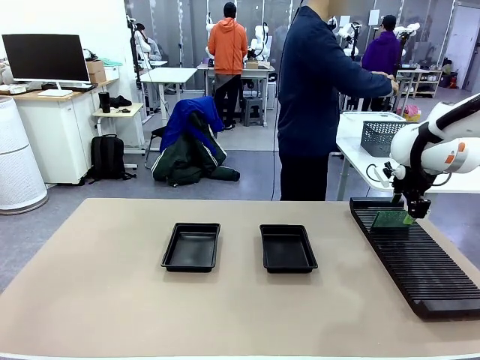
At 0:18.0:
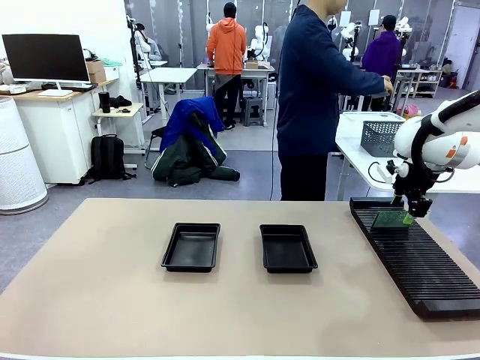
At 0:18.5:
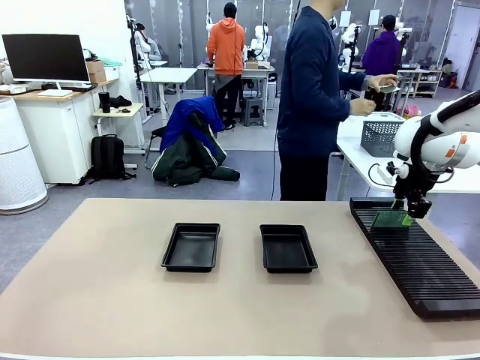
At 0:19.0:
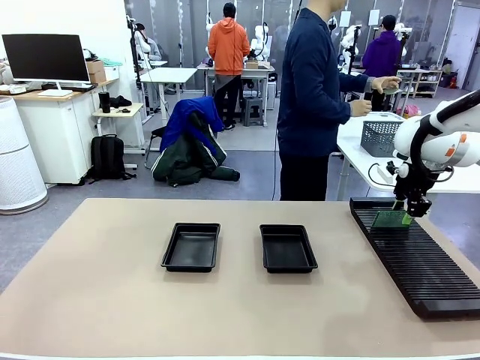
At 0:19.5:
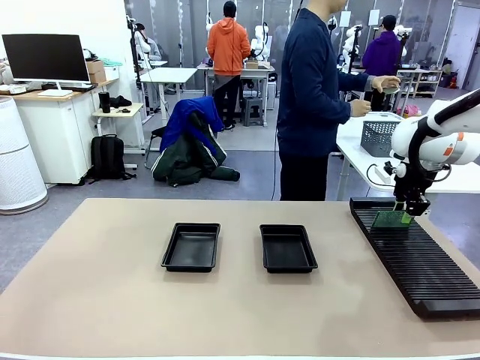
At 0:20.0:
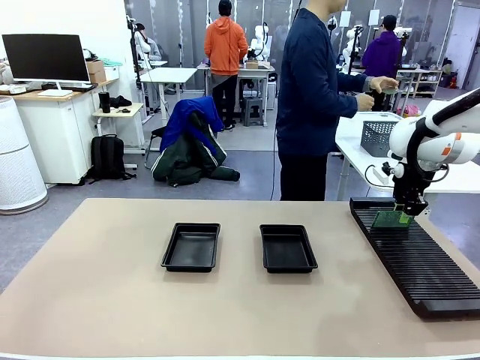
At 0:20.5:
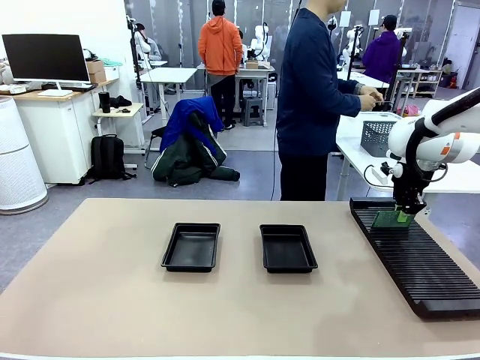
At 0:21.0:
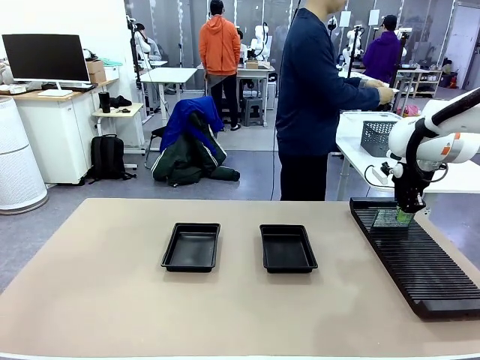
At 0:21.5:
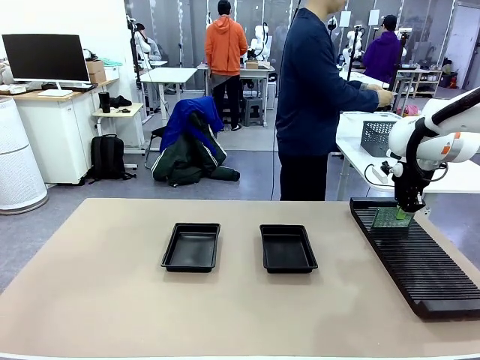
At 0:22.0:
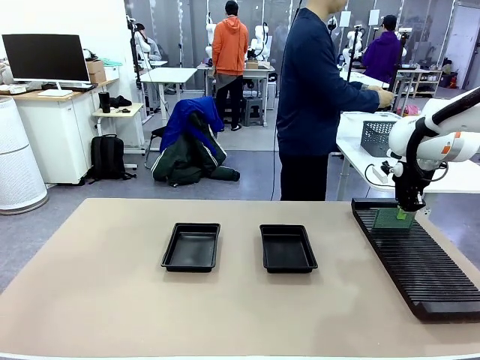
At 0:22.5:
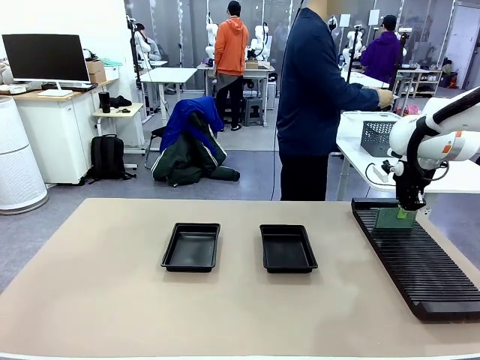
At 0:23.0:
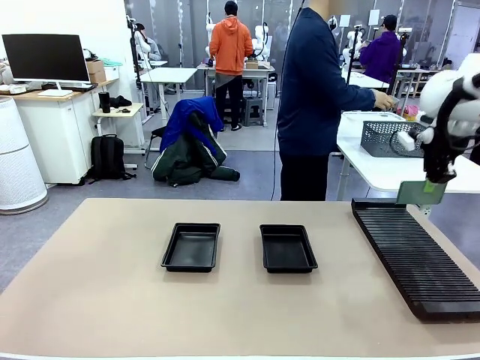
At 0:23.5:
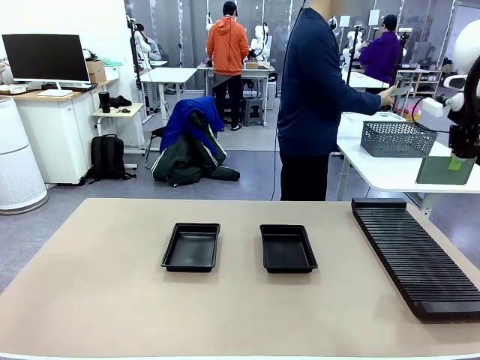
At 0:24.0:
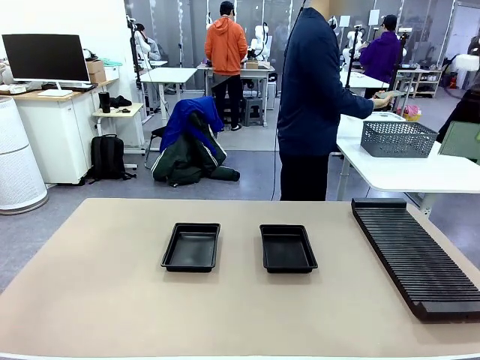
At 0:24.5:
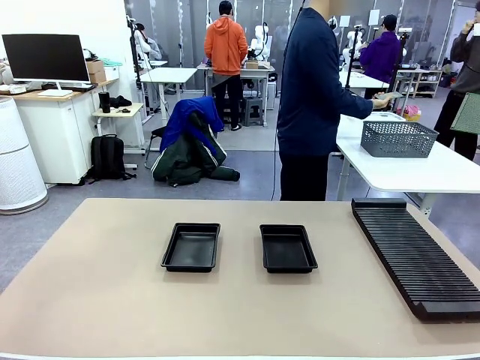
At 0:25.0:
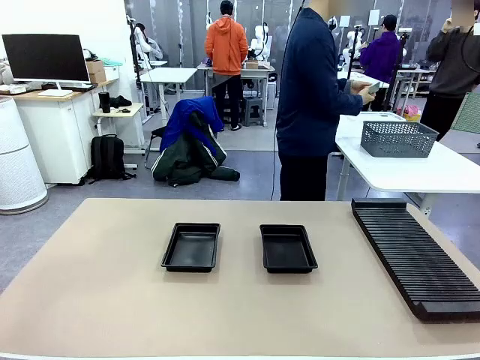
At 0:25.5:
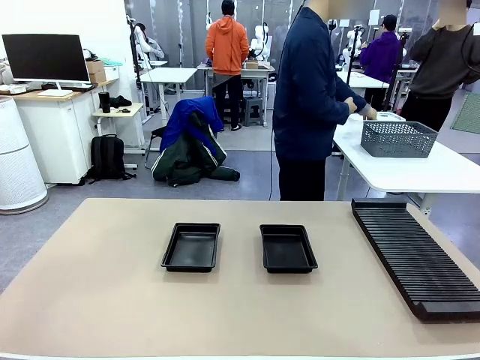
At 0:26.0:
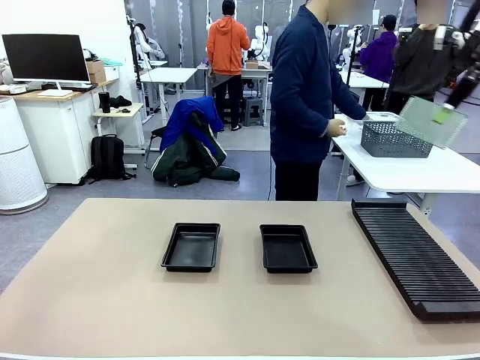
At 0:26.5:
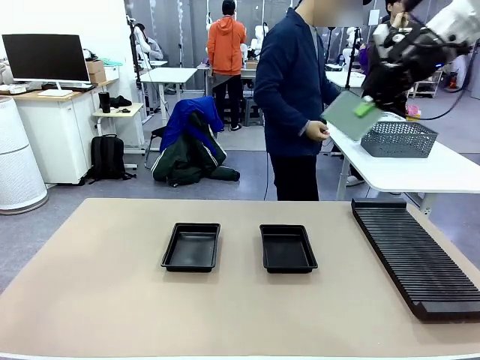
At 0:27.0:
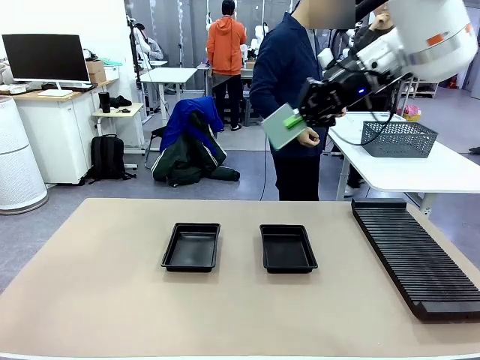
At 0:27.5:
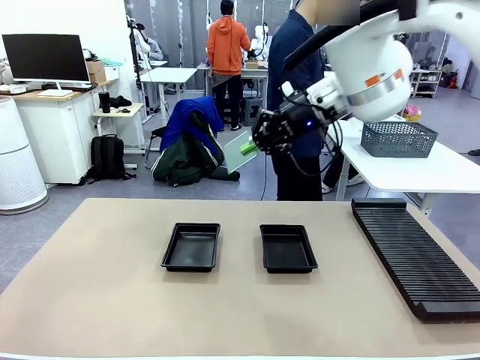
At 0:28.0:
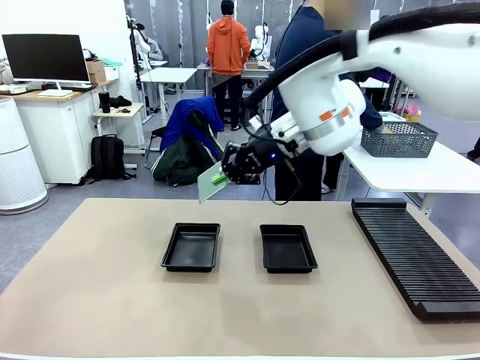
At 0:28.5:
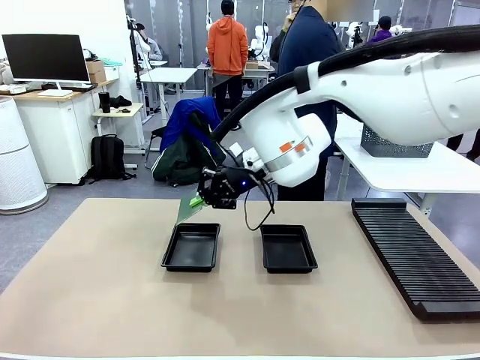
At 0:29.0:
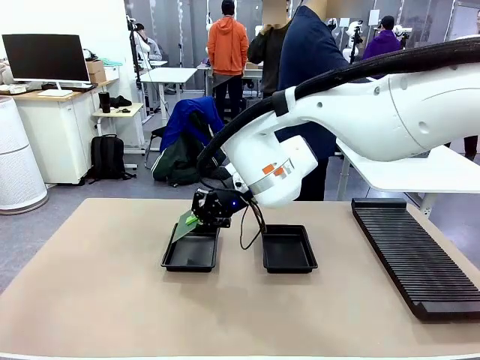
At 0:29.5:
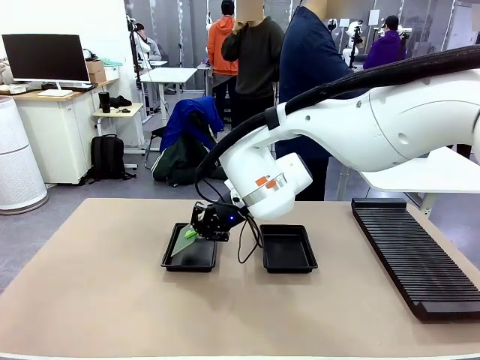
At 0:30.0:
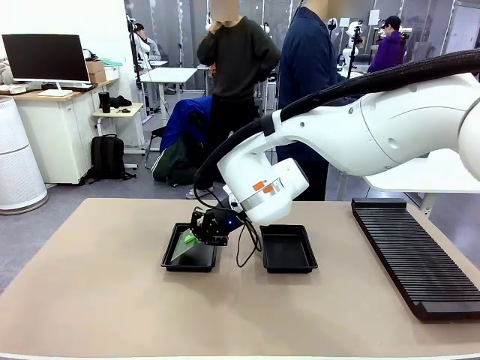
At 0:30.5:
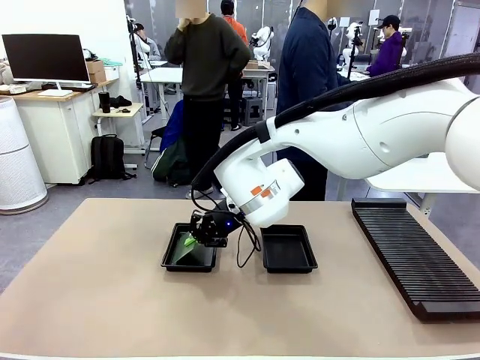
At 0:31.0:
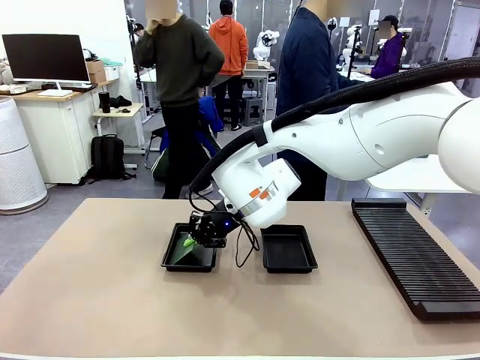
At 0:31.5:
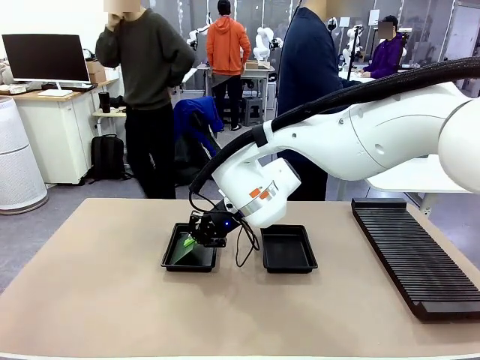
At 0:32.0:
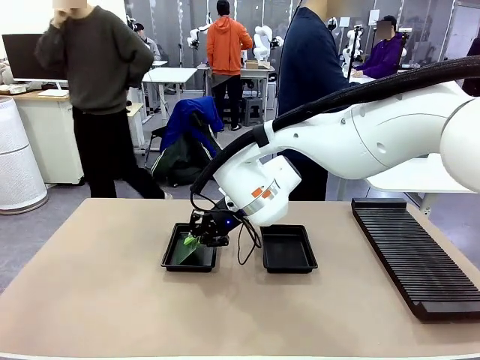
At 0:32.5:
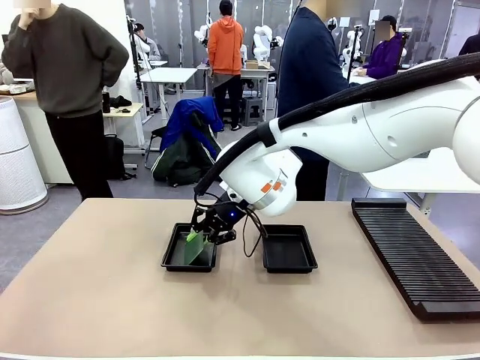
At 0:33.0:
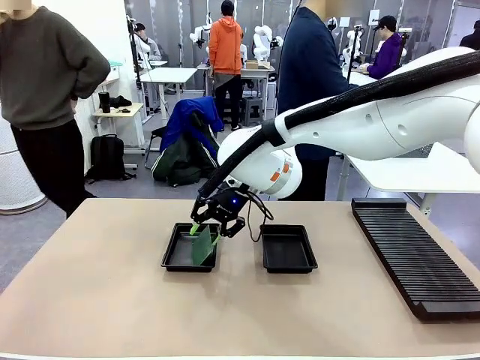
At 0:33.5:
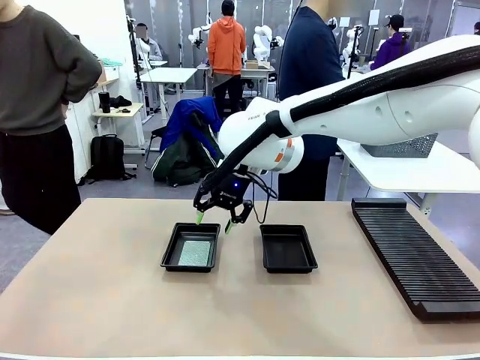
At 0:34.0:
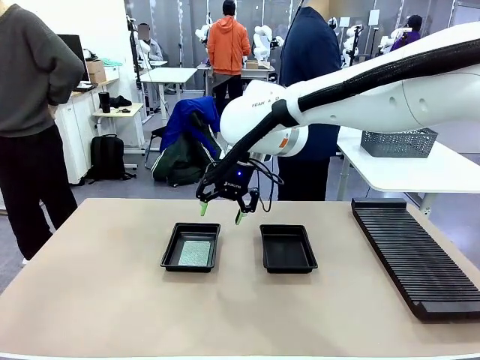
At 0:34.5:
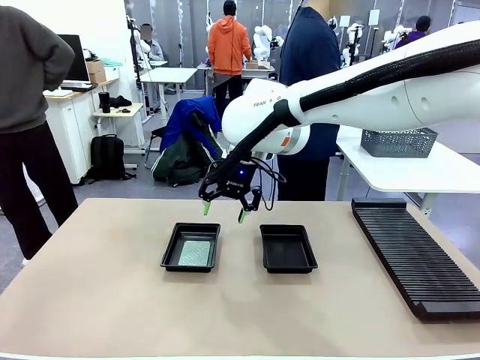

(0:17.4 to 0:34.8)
Task: Inspect and transfer BCBs to ESD trays.
Robot: Pick up the Blank PCB from the PCB Rack and place it in the left ESD tray.
